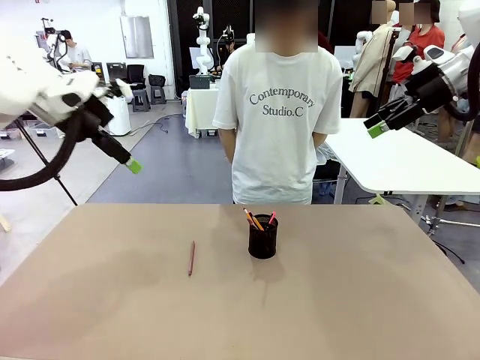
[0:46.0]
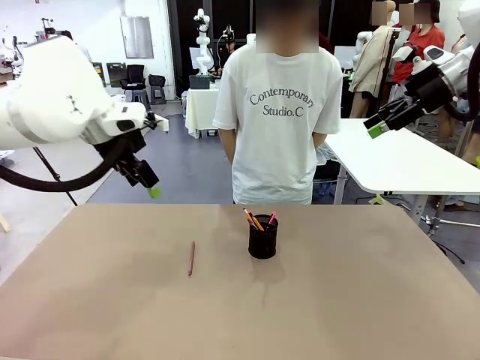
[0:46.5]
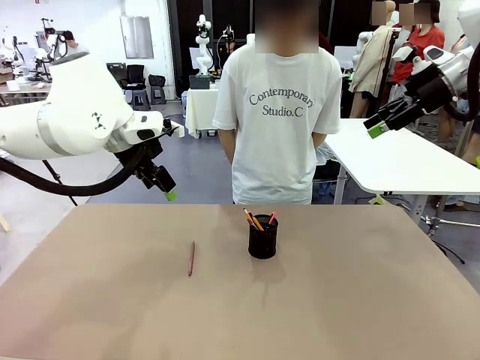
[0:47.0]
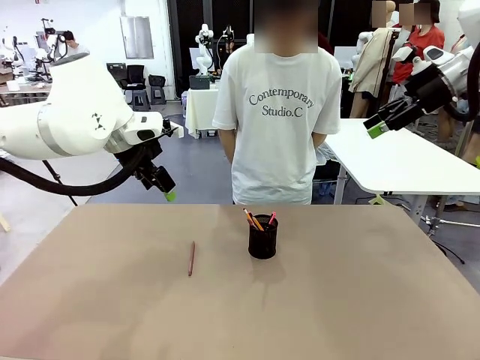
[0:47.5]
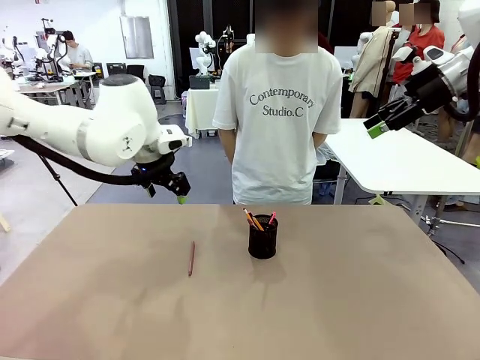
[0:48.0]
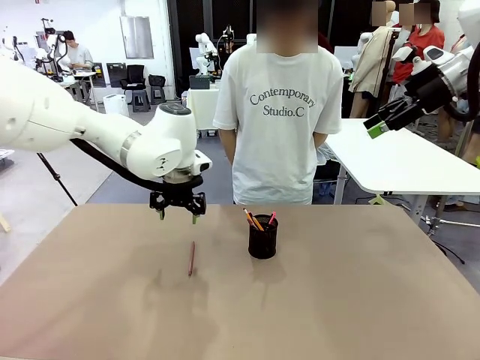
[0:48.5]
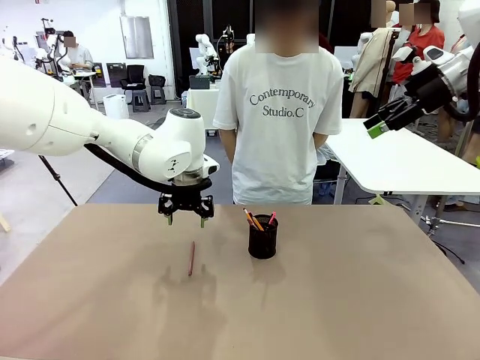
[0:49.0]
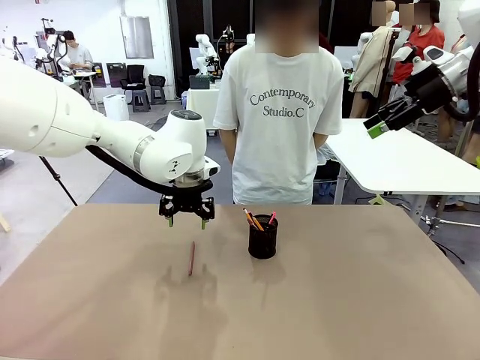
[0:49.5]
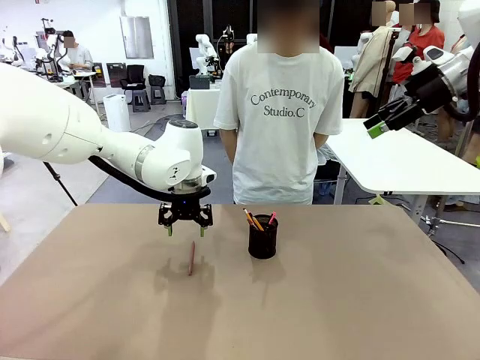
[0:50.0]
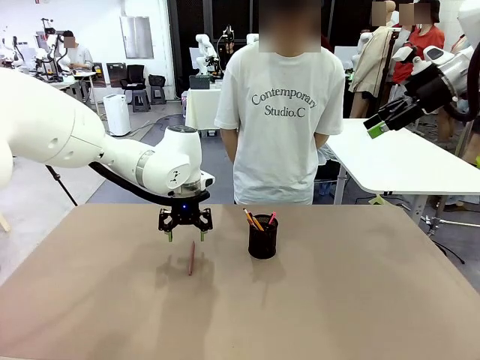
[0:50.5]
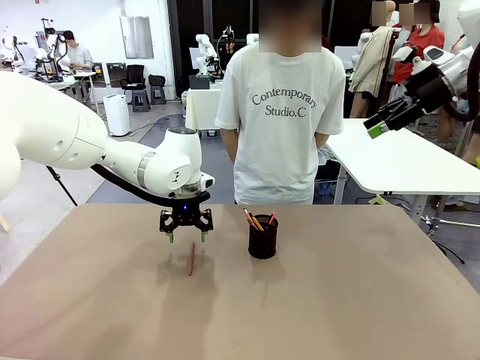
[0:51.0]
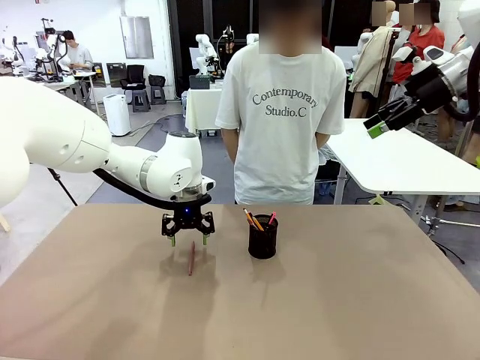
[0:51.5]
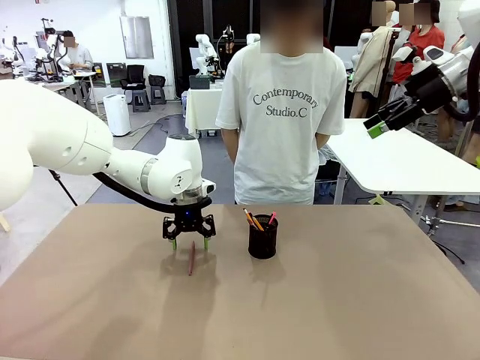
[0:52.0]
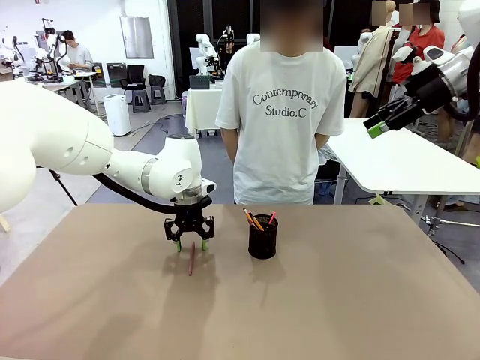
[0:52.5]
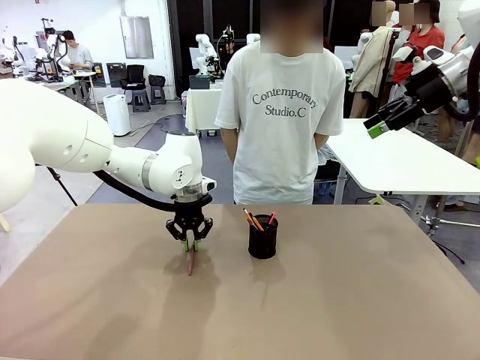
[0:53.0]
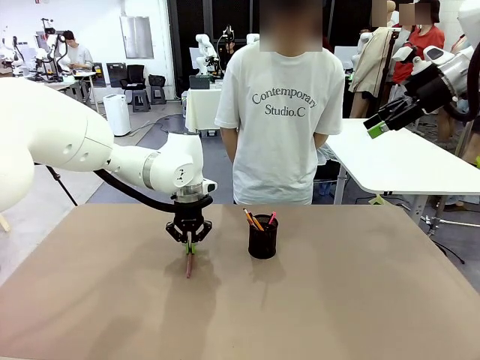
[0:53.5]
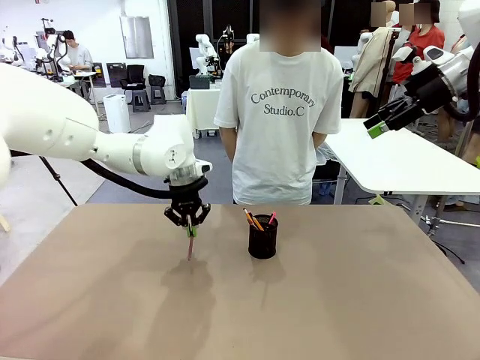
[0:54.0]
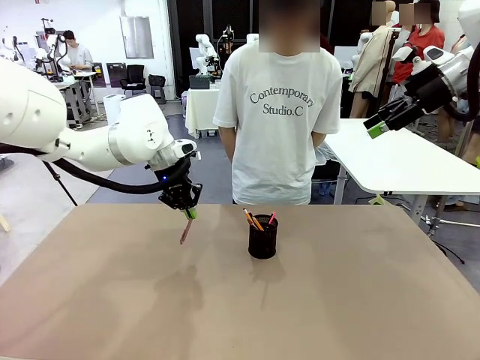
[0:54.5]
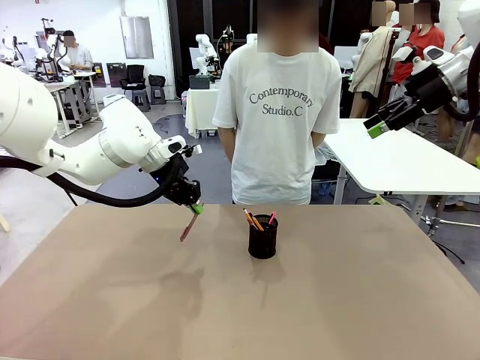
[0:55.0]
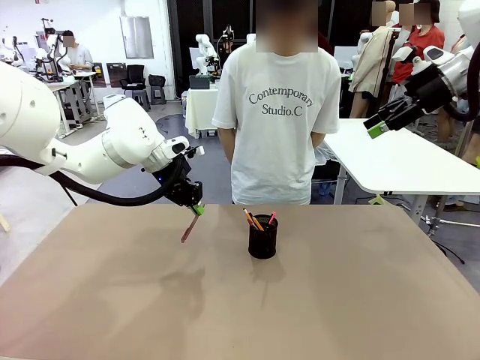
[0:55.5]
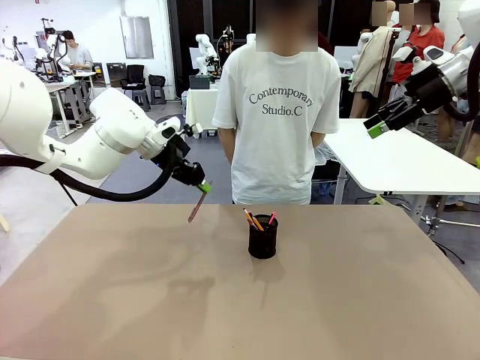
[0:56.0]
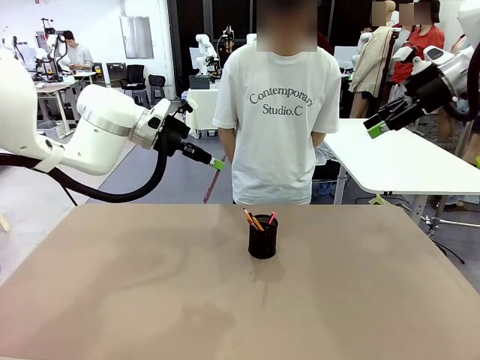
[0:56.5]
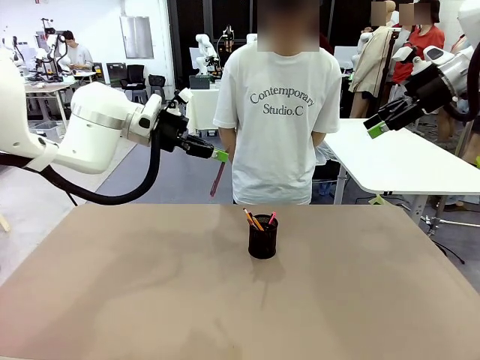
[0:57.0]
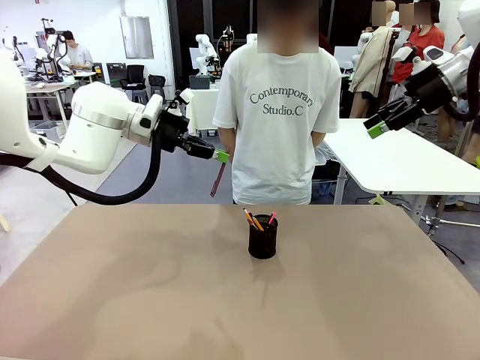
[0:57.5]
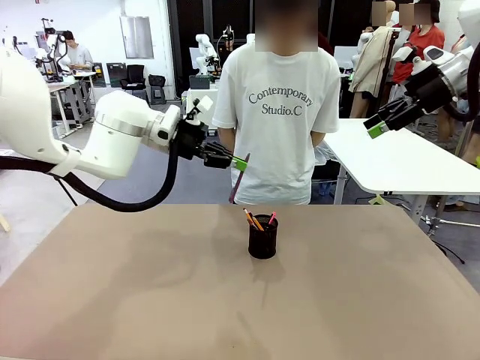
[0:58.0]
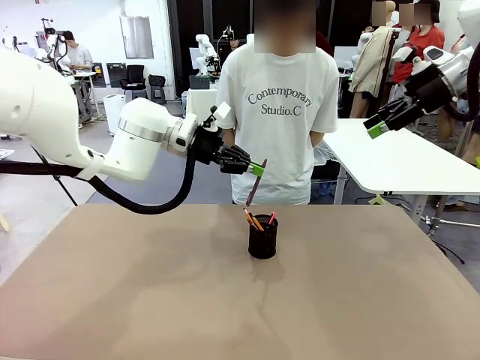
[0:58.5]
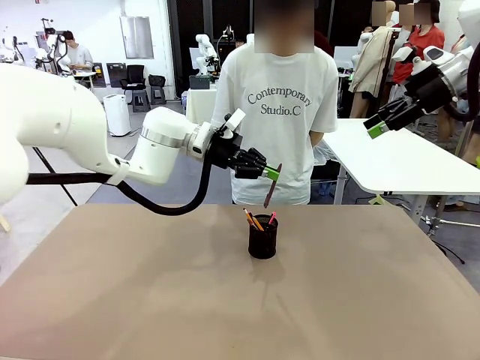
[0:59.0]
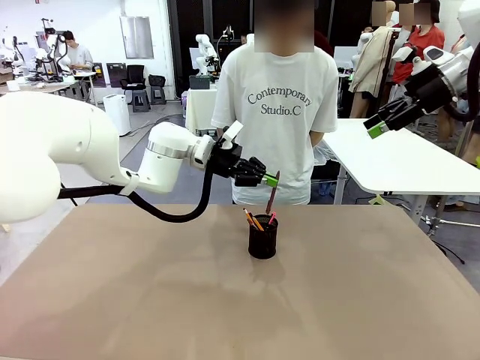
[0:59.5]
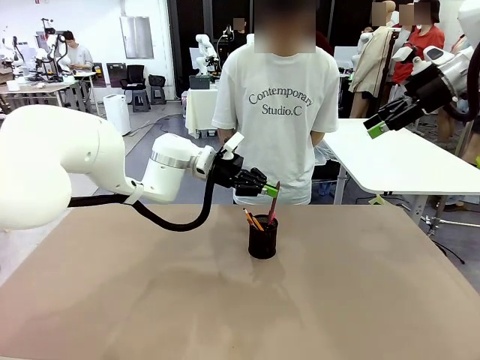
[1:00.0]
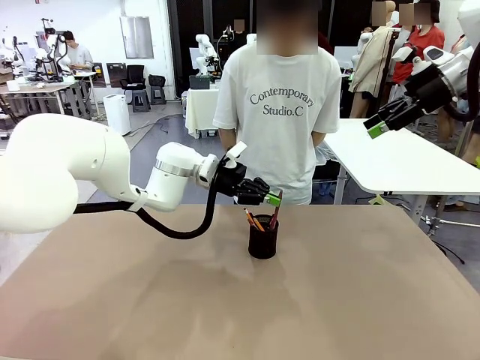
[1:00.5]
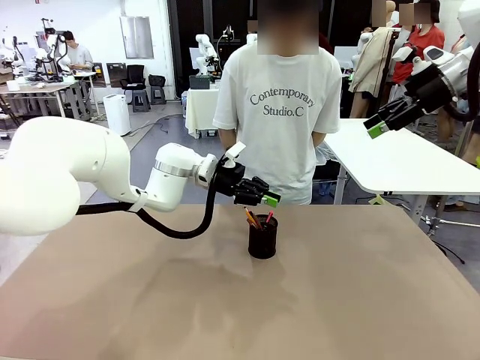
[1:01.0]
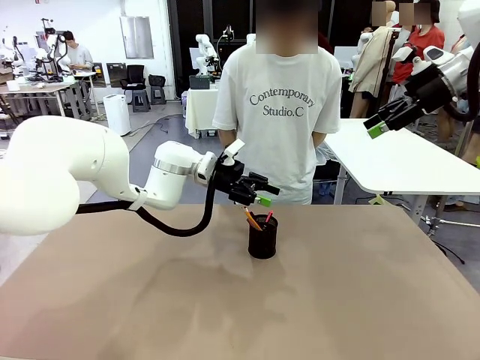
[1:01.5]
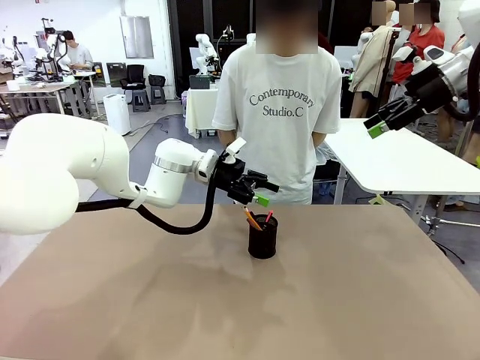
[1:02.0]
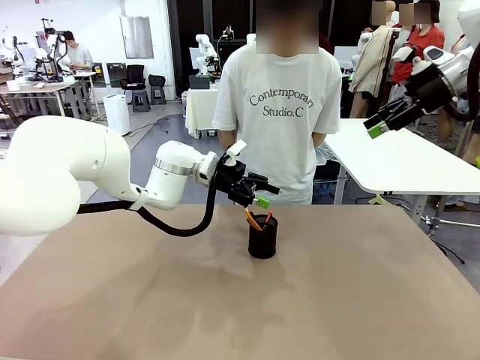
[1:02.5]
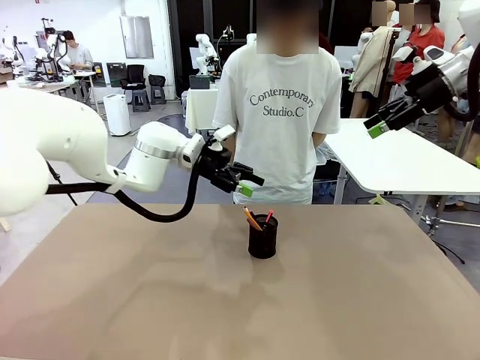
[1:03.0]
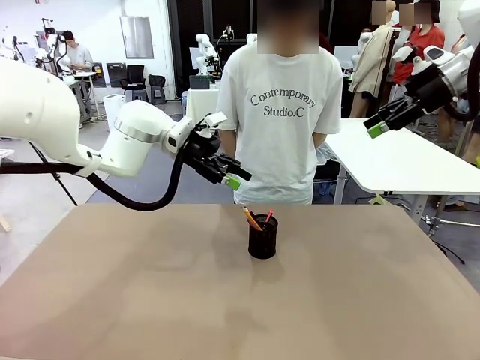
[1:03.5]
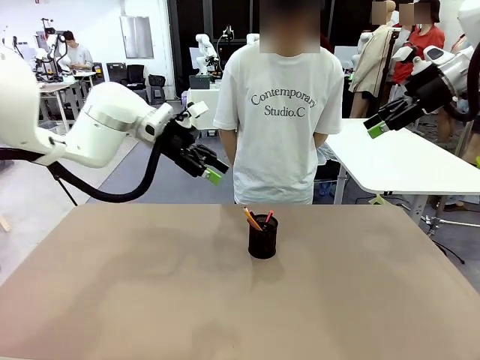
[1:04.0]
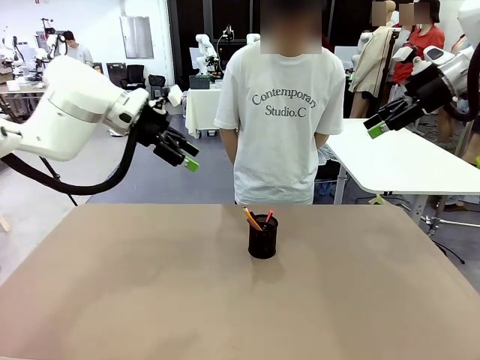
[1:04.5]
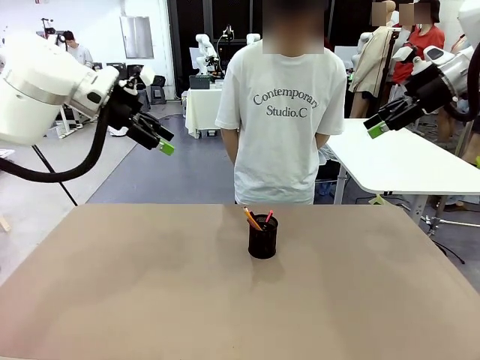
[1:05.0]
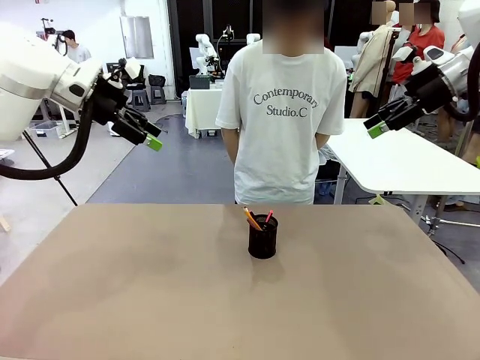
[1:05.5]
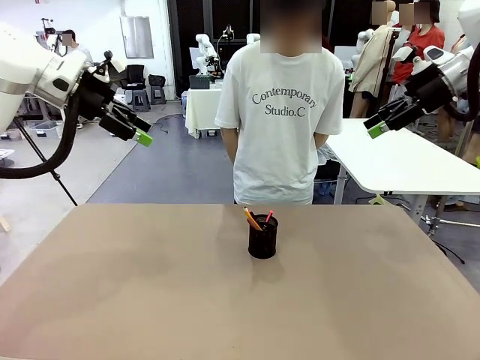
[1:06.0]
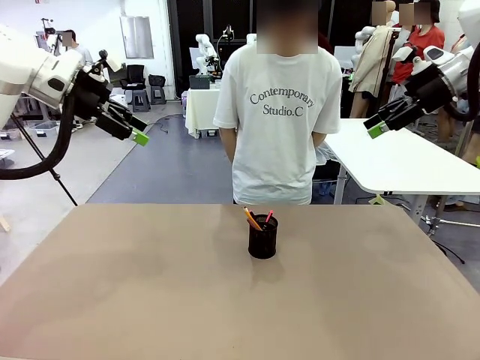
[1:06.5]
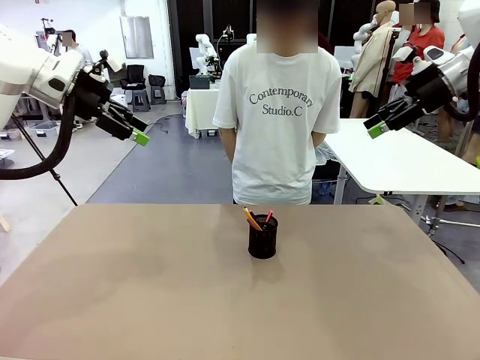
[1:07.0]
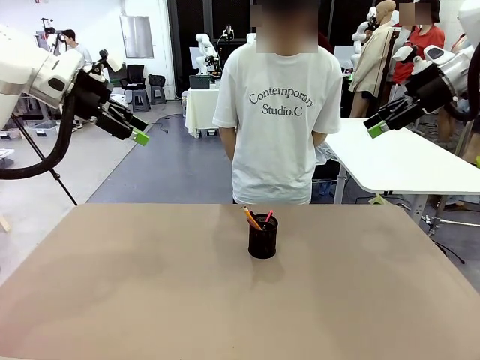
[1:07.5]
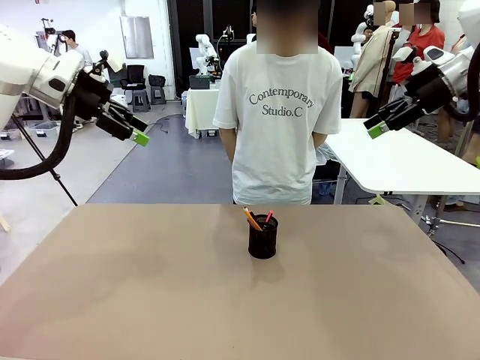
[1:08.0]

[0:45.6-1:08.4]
Task: Place the pens into the pen holder.
Robot: Pick up a writing instrument from the table and place it into the Pen holder.
